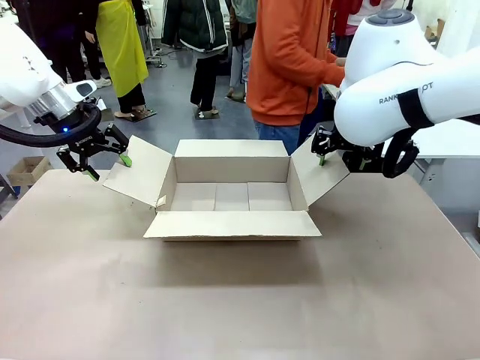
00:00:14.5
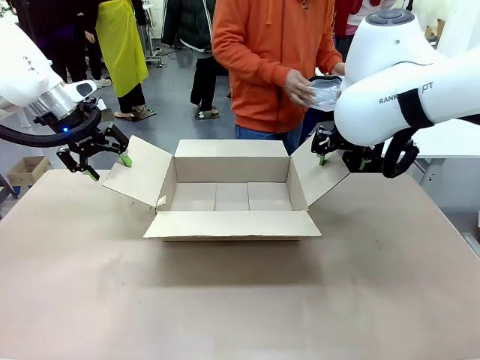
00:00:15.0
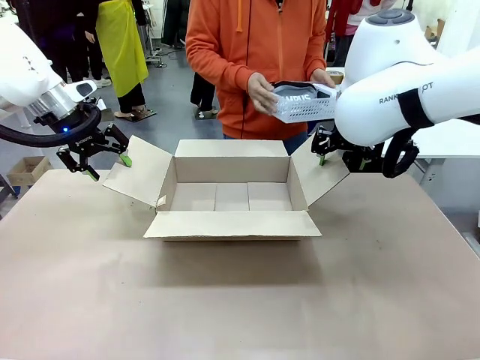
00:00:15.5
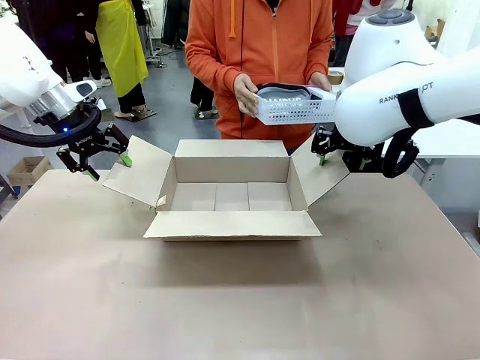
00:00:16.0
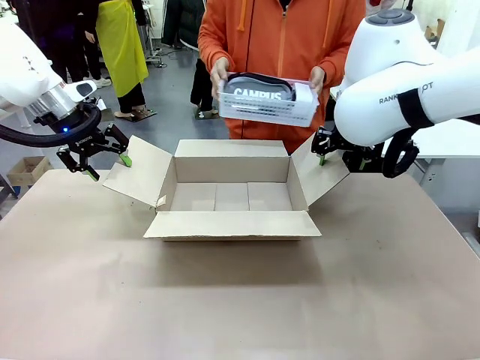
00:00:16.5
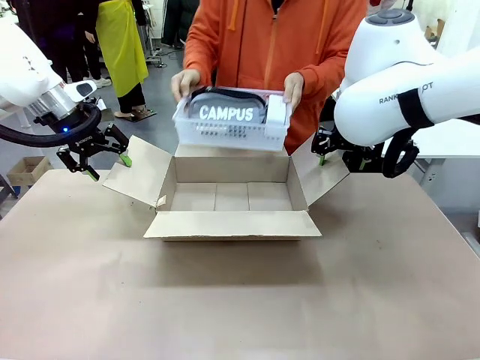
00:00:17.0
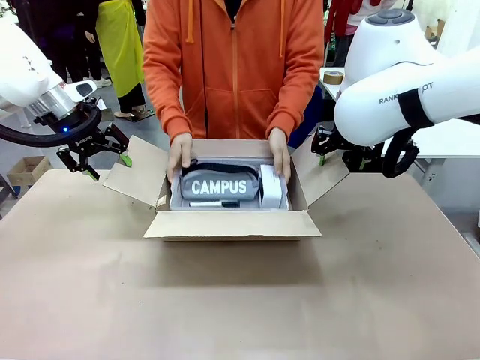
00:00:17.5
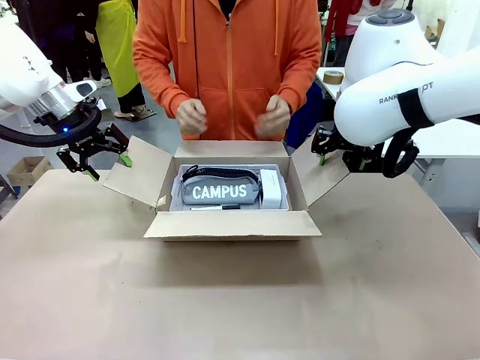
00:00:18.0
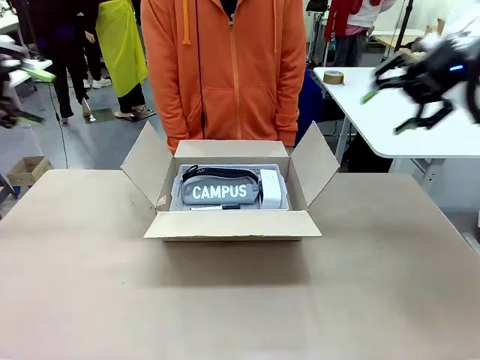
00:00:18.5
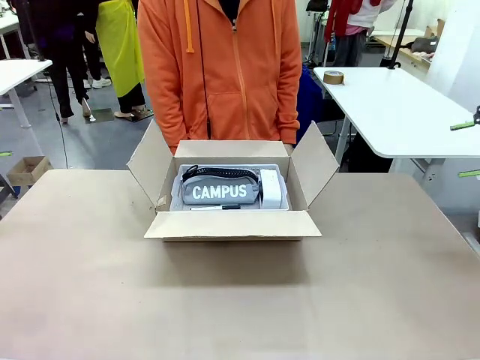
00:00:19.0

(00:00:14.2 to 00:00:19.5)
Task: Pack the gift set into the box.
Robot: Lift both hands away from the flaps of the Package Box.
Person: The human picks up the organizing basket and places the organizing basket into the package box on the robot table.

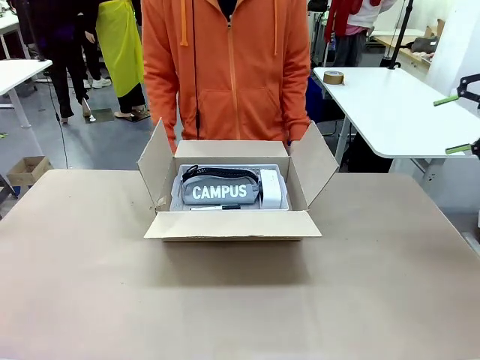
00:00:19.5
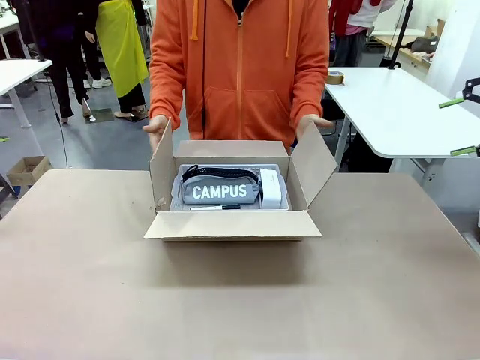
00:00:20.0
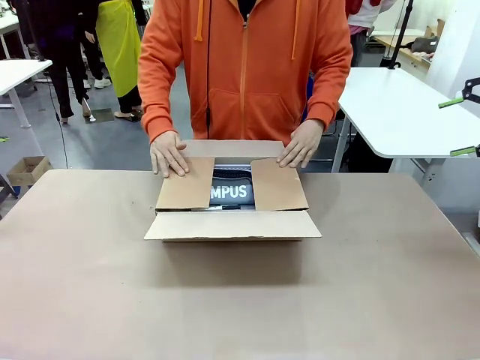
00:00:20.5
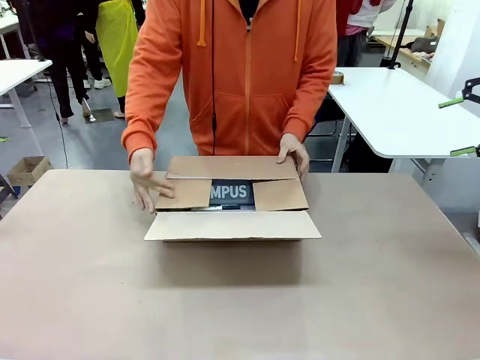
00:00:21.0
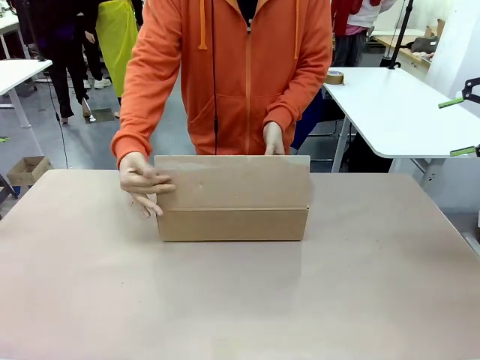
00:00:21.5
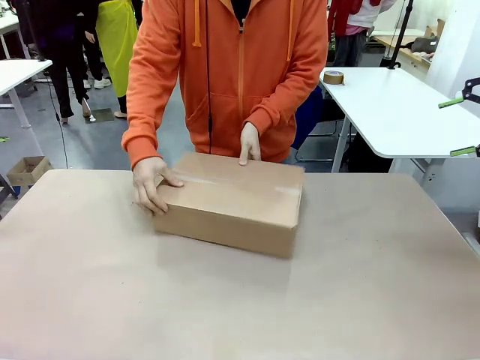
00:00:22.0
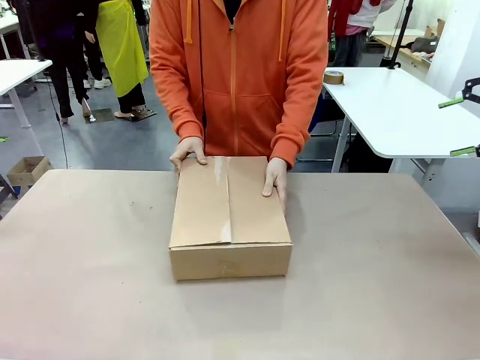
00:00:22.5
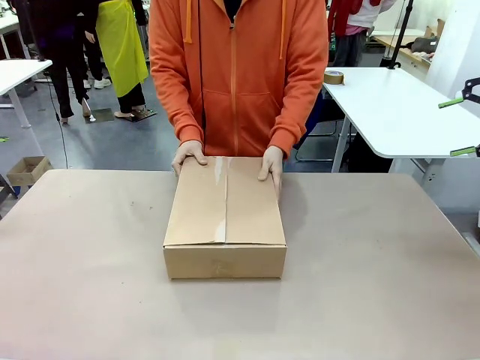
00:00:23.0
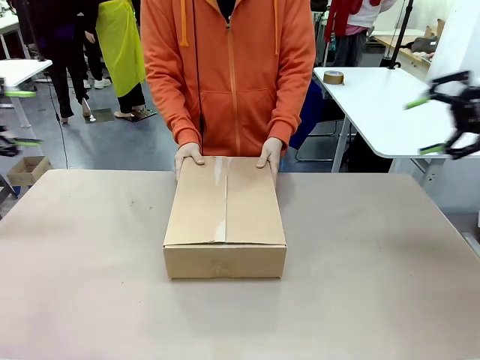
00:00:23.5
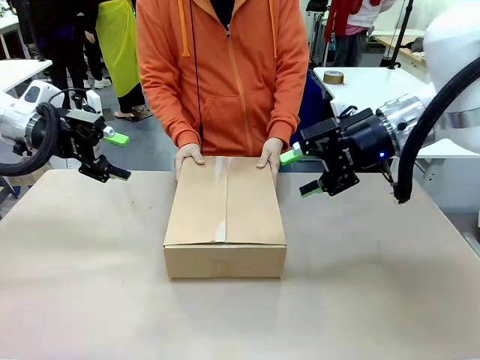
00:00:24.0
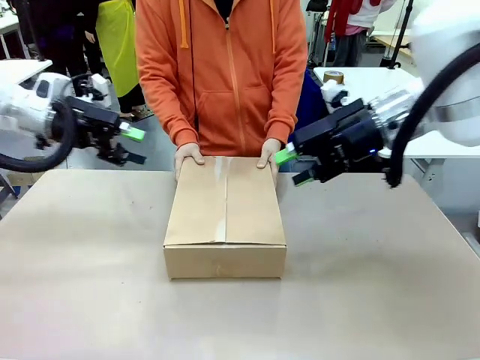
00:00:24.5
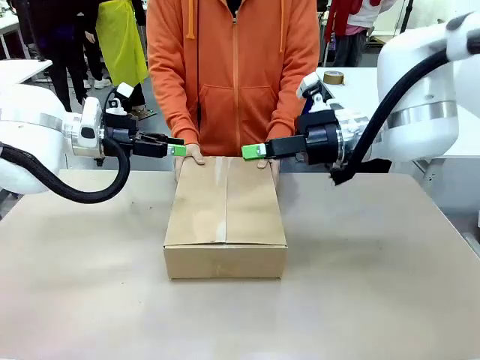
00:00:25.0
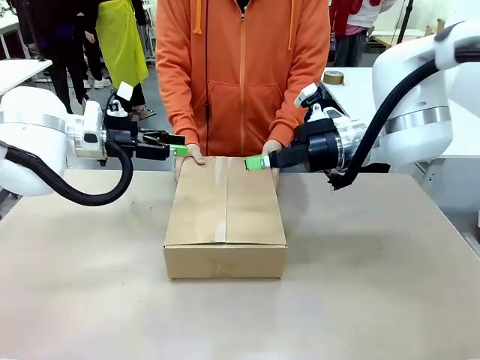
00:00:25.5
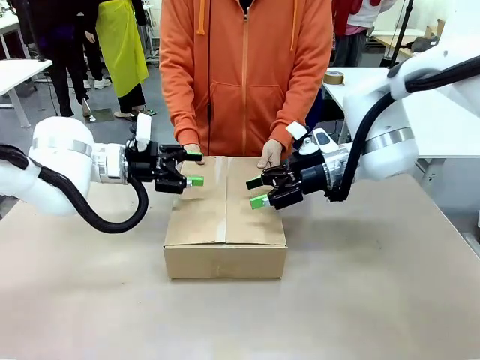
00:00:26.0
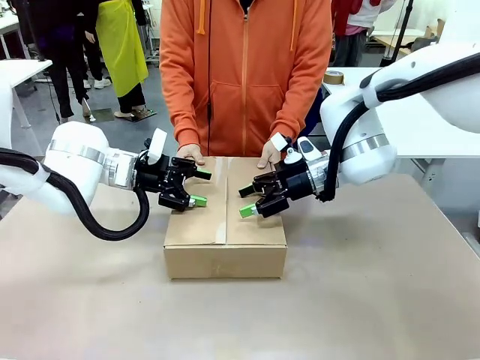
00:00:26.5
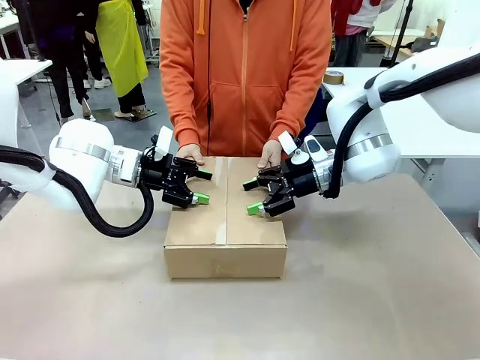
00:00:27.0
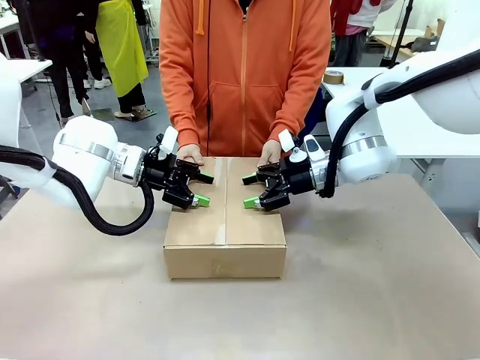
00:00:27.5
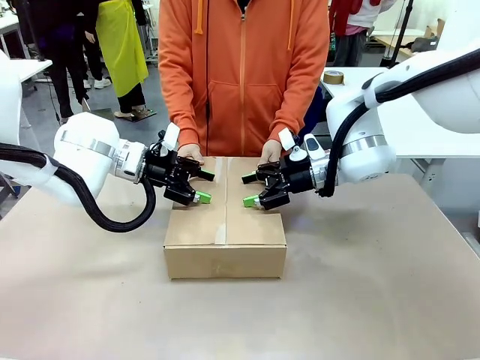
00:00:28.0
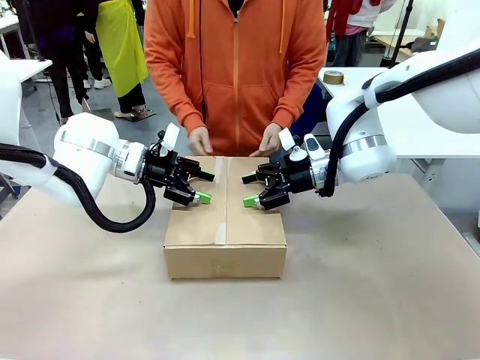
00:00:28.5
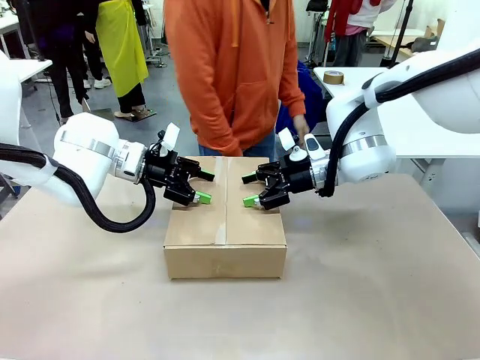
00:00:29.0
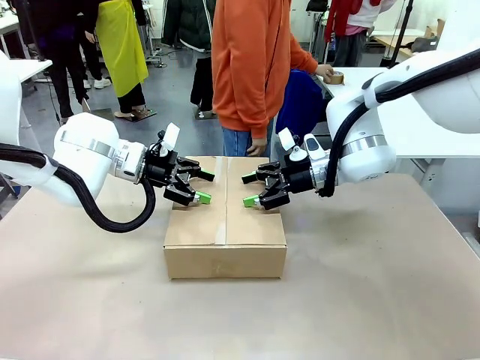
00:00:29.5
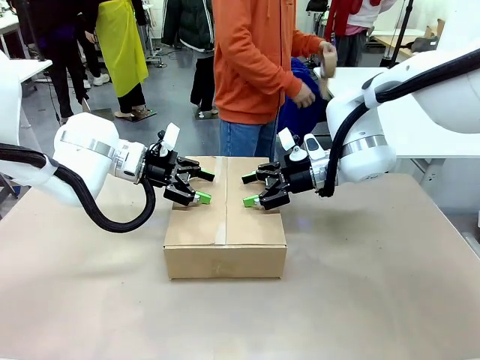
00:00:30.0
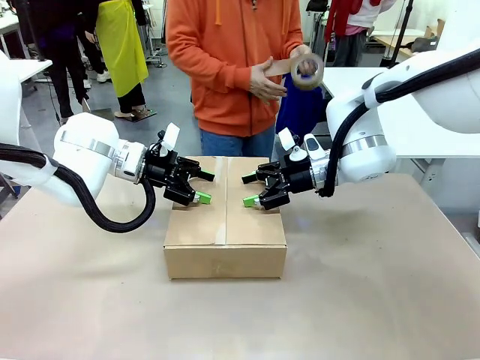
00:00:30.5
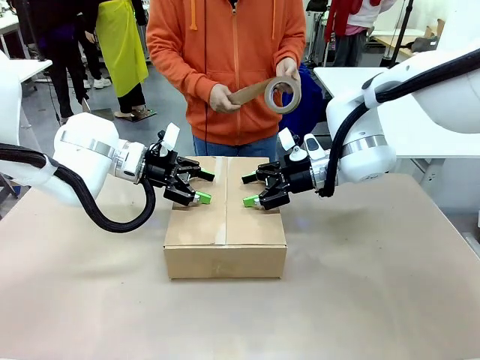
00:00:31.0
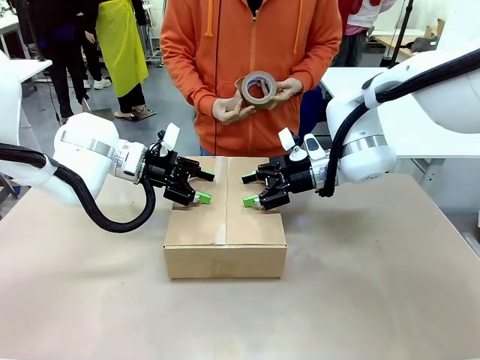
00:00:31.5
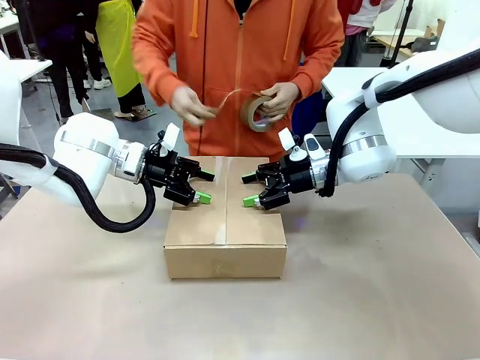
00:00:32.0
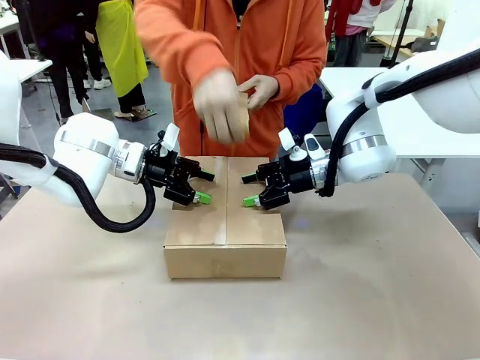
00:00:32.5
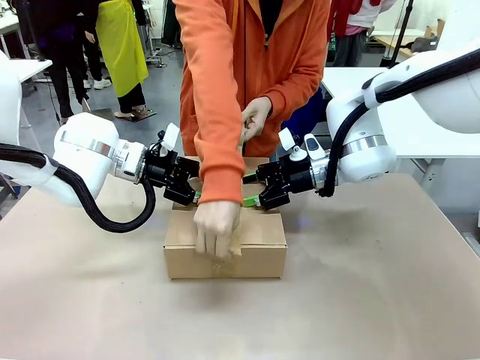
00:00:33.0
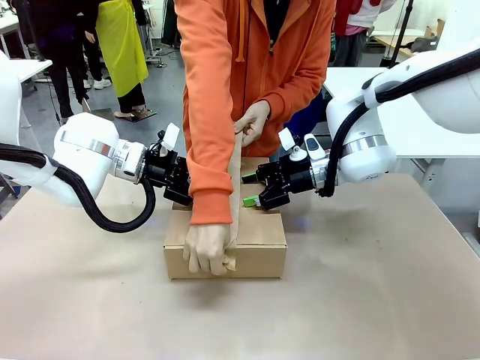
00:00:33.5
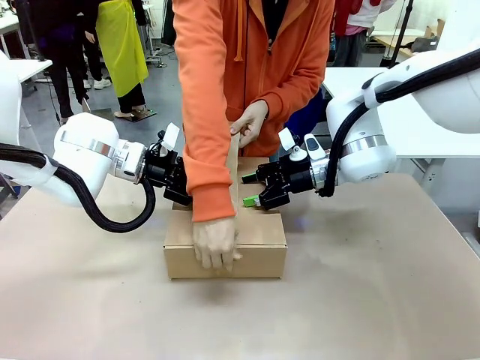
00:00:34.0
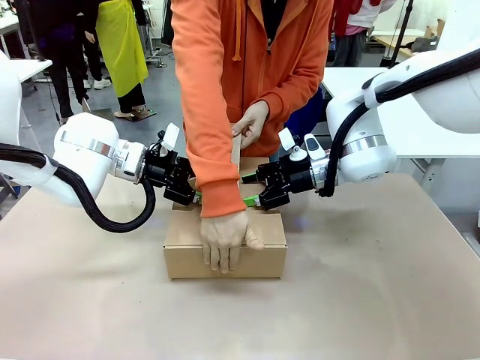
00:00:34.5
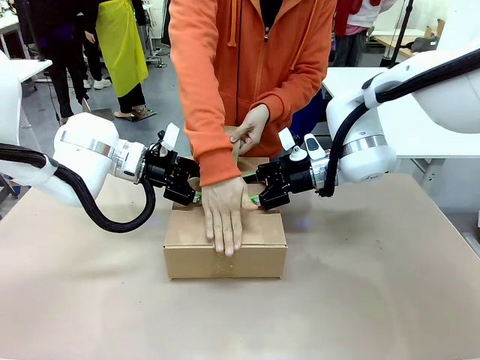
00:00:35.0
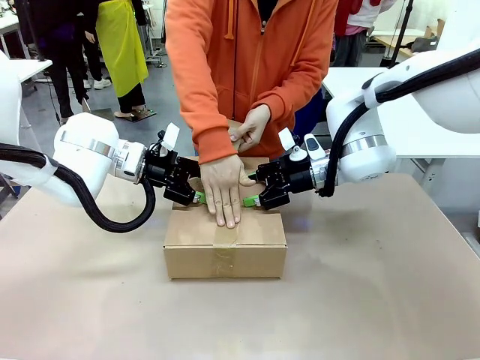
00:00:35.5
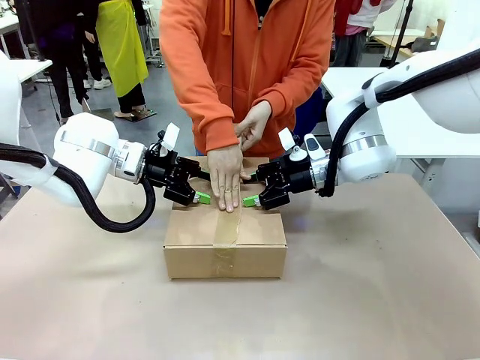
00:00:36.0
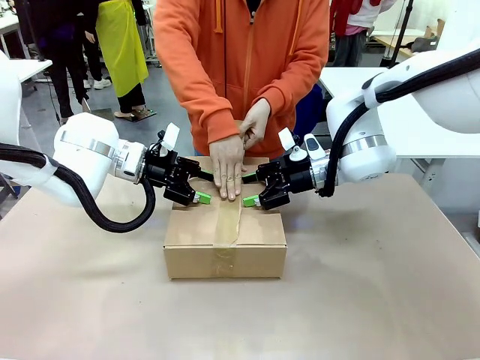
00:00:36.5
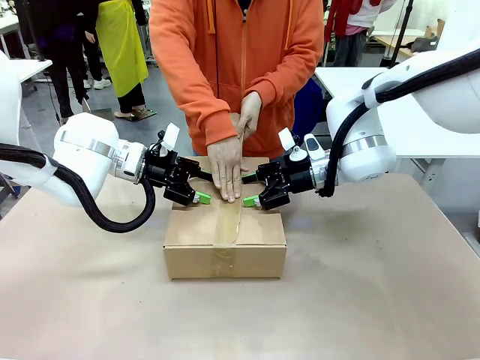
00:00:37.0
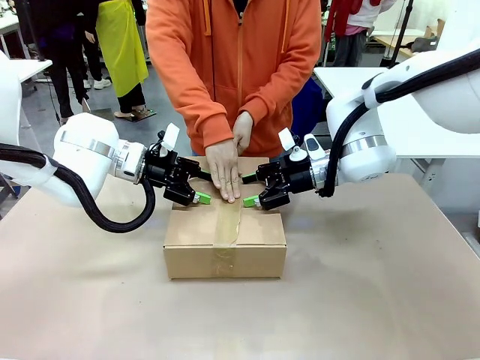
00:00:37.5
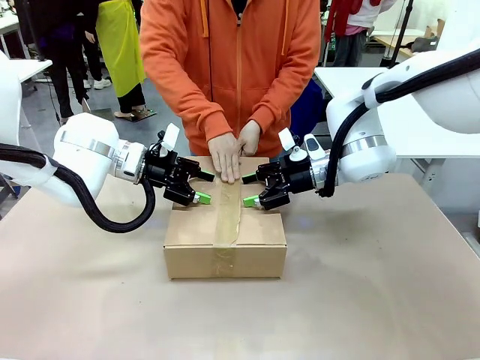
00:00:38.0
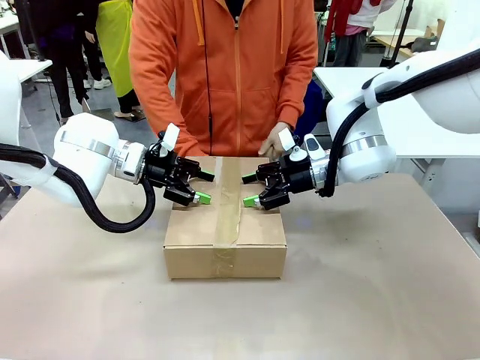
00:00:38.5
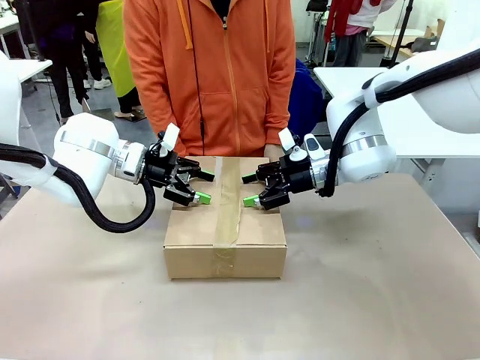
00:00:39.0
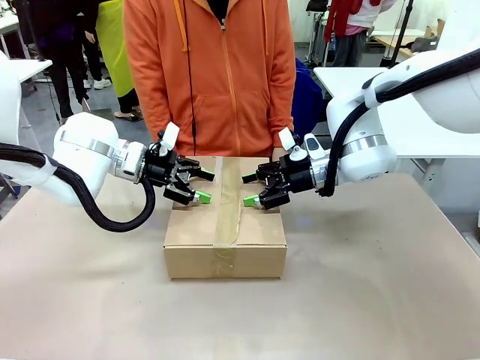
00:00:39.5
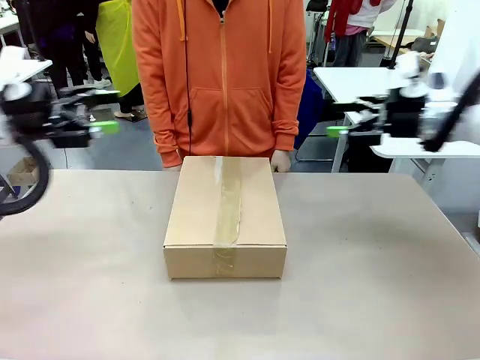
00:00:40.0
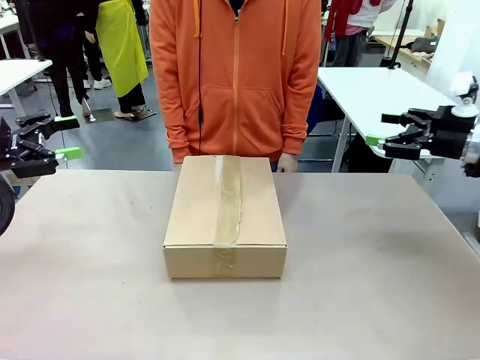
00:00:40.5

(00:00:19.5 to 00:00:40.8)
Robot: Press and hold the closed box until the human finishes sealing it.
Person: The human closes the box and rotates the box by 90 degrees. The human picks up the paper tape from the human table and packs the box.
